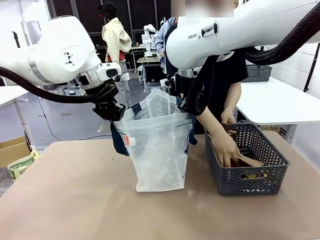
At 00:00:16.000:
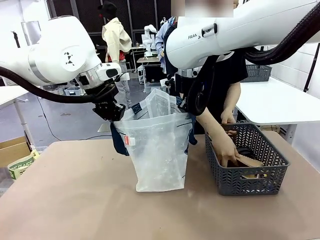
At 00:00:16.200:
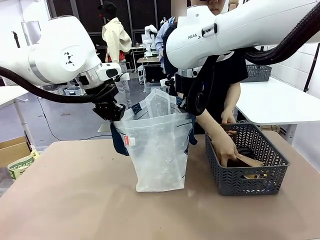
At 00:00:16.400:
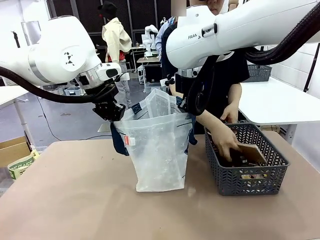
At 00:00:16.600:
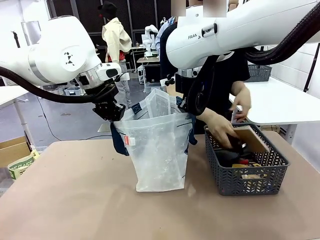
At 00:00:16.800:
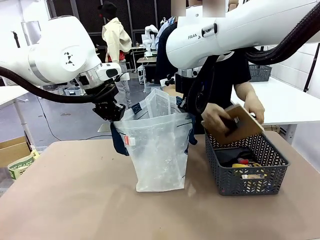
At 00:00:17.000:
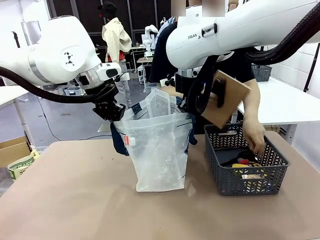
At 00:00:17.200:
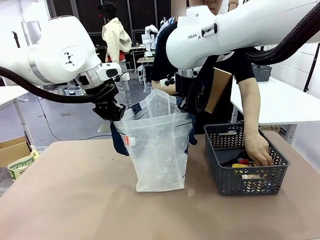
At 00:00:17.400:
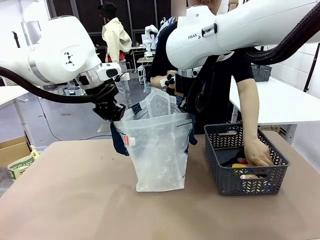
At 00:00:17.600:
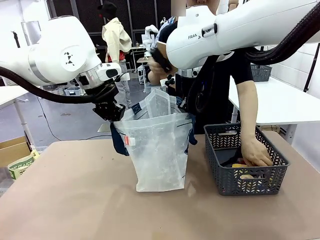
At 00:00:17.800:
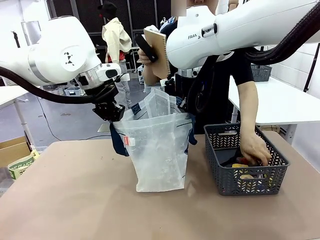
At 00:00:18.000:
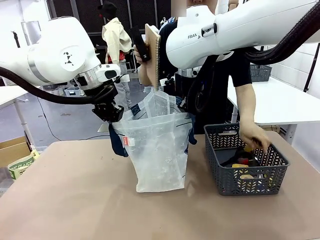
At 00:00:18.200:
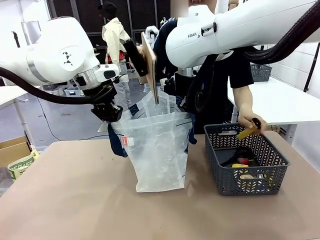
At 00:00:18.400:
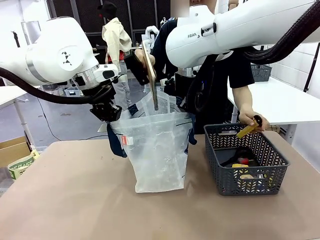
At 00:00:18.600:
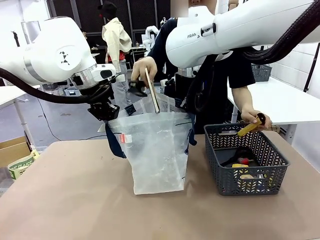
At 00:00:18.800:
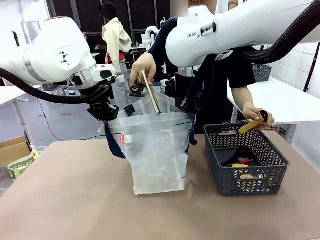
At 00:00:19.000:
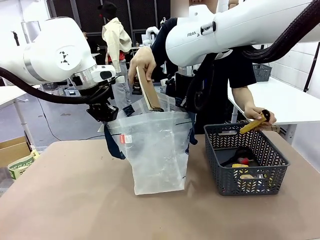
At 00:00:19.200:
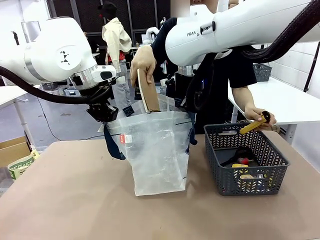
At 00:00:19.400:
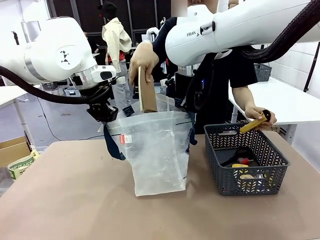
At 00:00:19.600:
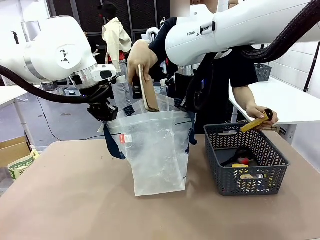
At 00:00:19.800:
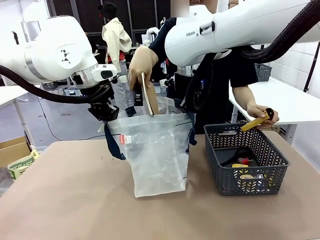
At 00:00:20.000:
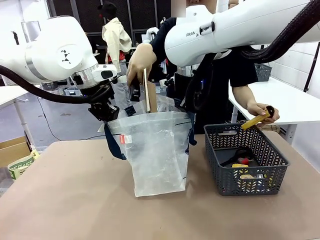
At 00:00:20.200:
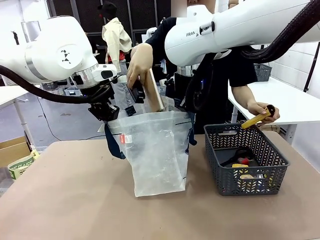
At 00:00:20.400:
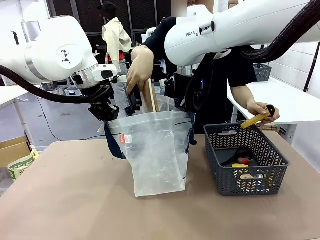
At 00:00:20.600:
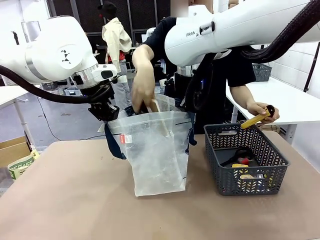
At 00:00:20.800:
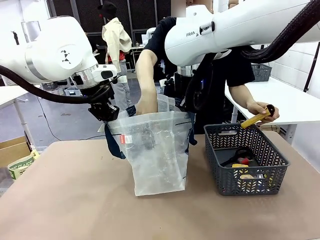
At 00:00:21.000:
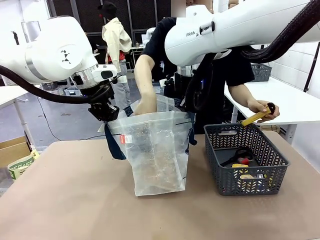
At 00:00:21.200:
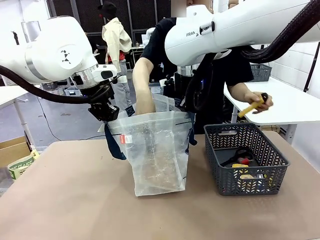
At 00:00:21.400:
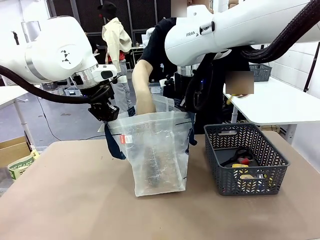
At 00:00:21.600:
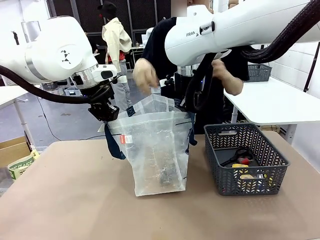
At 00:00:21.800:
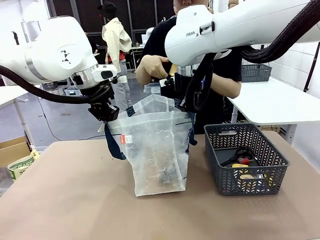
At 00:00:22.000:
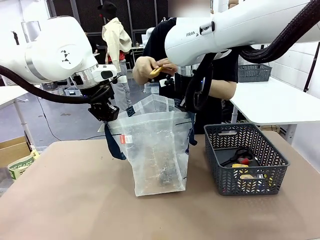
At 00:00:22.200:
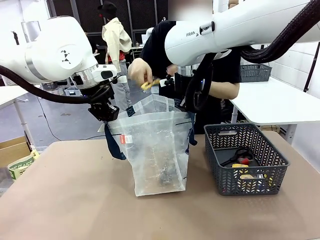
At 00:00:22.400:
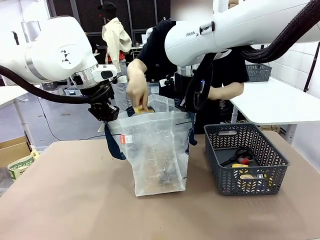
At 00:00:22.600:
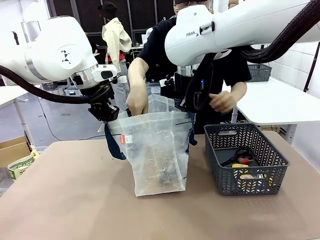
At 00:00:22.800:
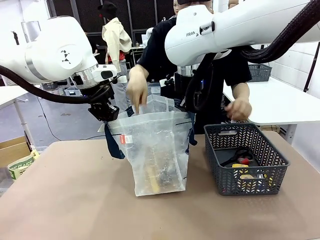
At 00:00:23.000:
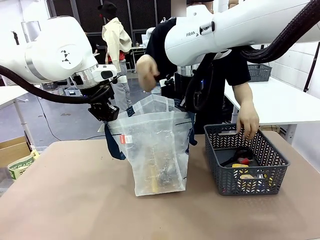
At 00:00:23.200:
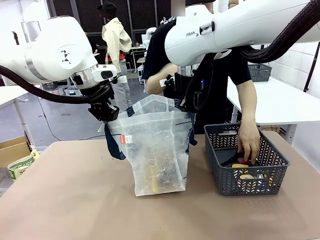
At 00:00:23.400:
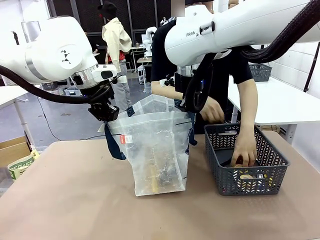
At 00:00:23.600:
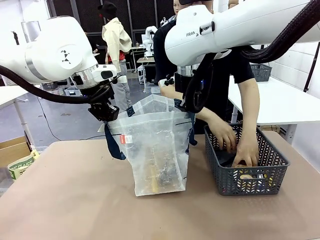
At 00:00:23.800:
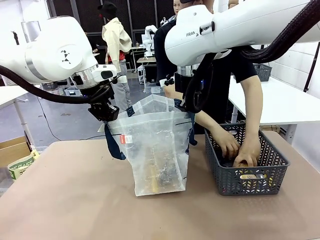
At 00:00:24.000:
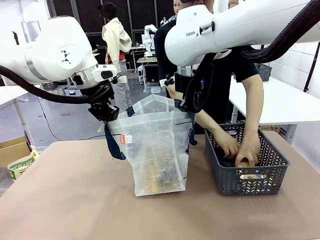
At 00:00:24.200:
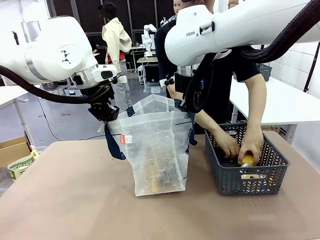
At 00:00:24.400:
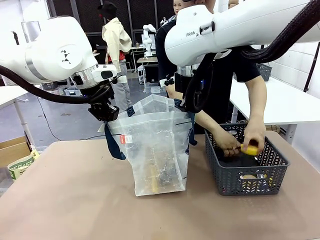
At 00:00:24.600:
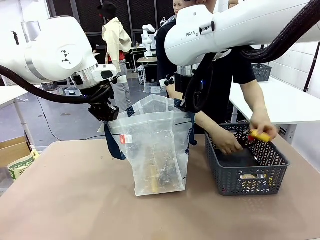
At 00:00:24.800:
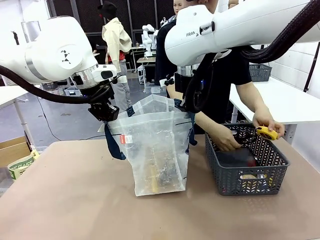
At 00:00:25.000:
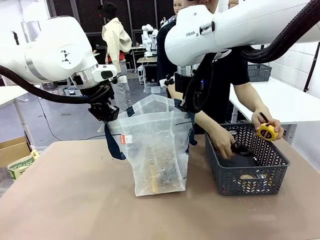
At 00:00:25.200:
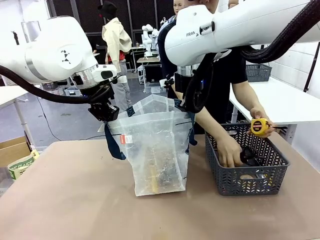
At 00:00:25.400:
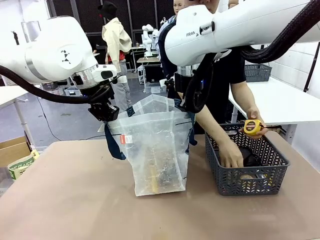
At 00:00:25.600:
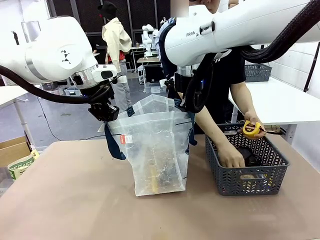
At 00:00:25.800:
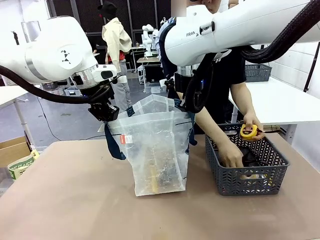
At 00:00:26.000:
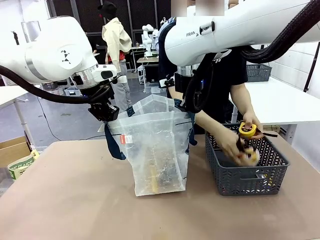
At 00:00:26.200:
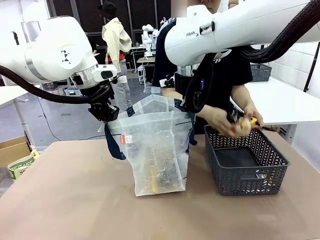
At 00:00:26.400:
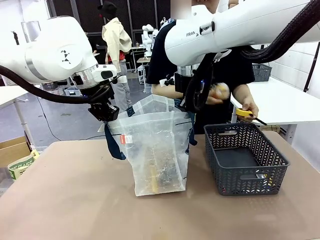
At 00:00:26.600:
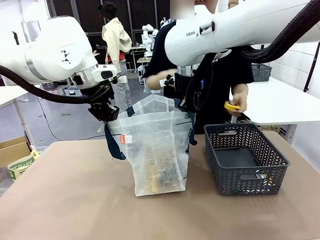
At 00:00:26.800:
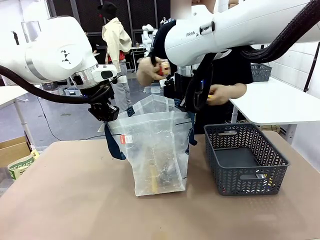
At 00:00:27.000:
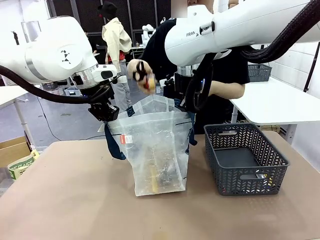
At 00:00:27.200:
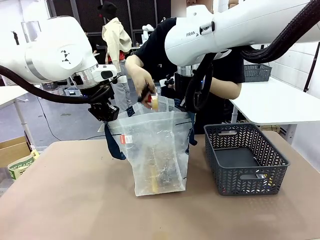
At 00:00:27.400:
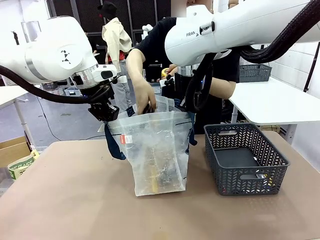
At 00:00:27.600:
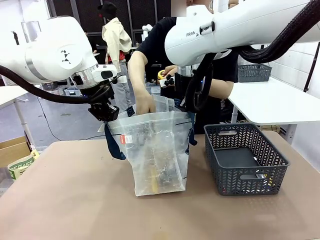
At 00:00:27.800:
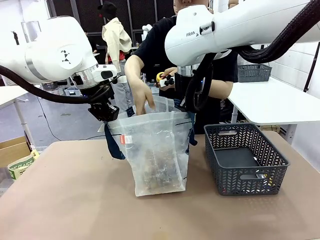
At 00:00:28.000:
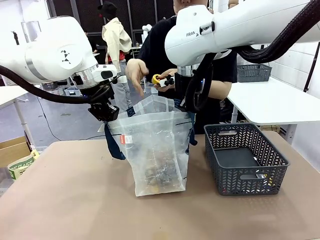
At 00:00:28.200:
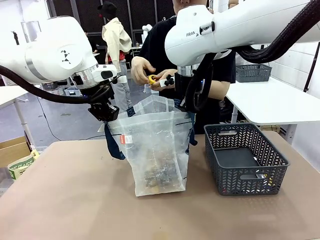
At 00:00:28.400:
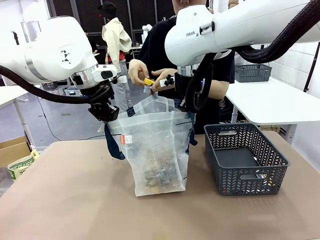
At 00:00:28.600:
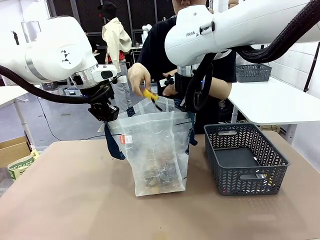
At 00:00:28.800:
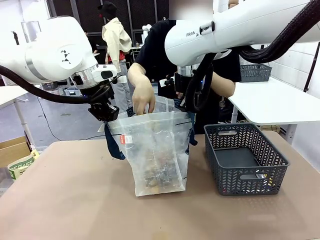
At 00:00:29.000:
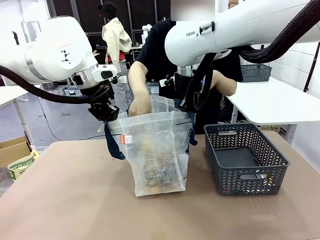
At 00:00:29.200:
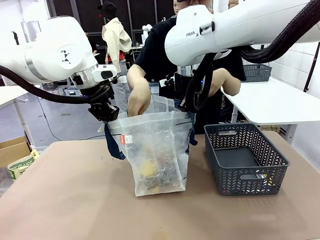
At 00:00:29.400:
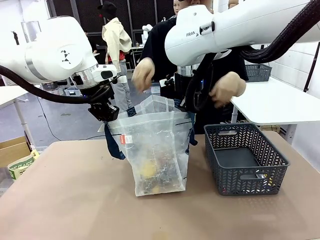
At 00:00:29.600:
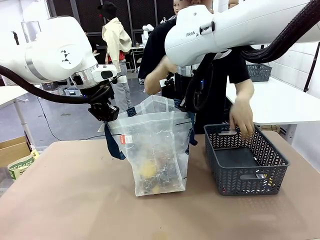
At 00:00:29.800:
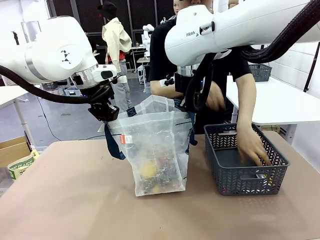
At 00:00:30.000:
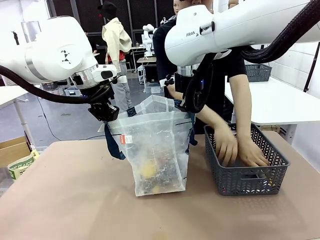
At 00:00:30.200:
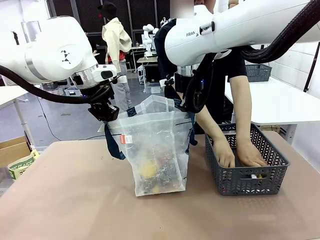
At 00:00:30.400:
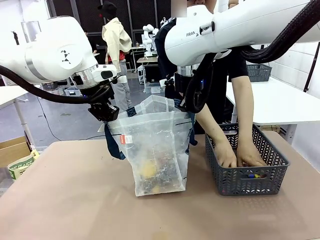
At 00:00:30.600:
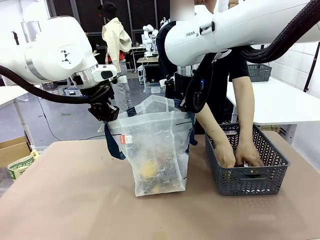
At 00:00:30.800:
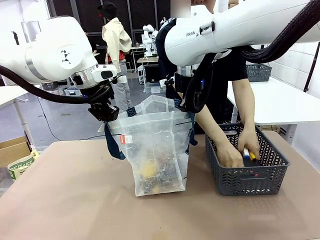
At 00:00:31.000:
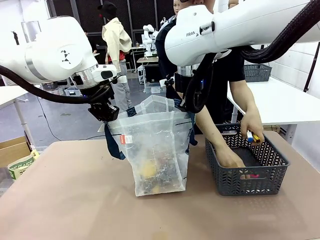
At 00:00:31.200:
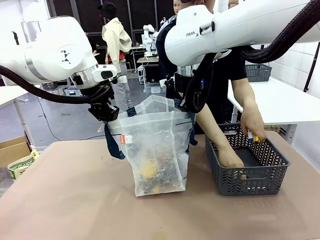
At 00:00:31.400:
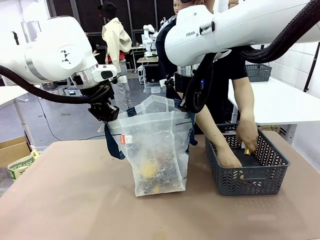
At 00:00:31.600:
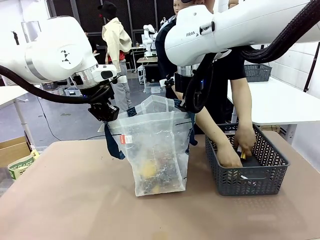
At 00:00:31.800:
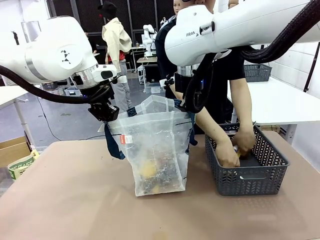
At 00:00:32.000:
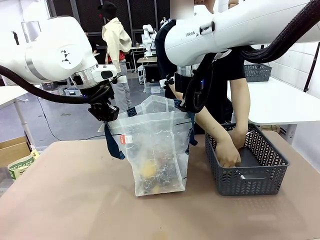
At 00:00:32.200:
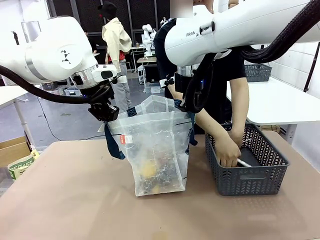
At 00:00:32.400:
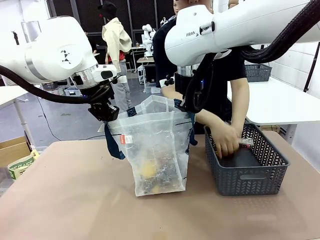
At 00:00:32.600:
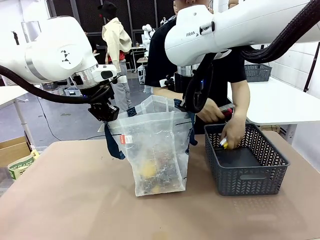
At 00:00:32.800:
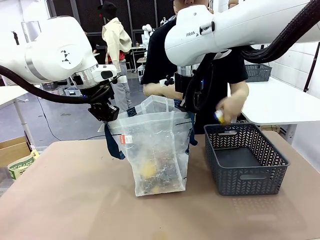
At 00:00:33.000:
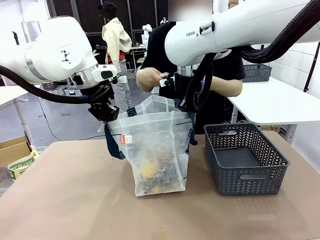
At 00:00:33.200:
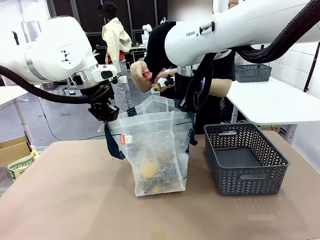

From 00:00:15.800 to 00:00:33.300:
Task: Transfer purchased items from the store into the shopping bag.
Robot: Move the Reusable shopping bag to the right side of the table.
Person: Pick up the basket on the right, place it on the left side of the robot table, and move the items in the basket to the shopping bag.
